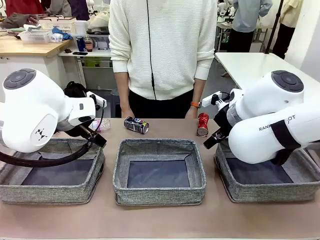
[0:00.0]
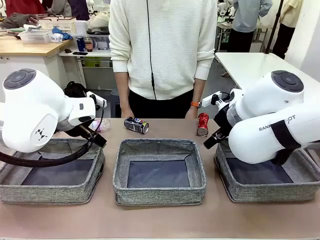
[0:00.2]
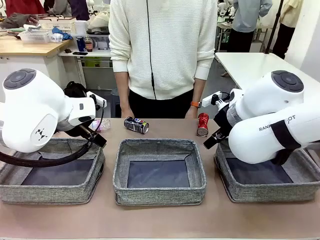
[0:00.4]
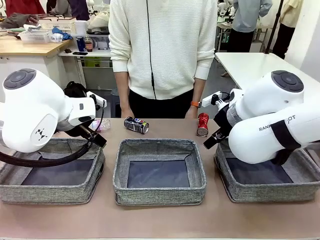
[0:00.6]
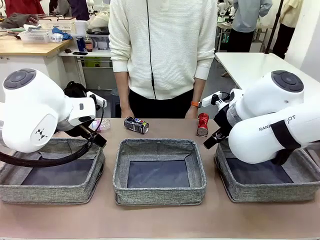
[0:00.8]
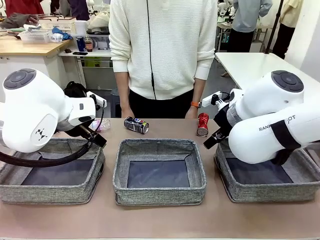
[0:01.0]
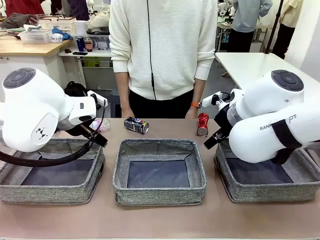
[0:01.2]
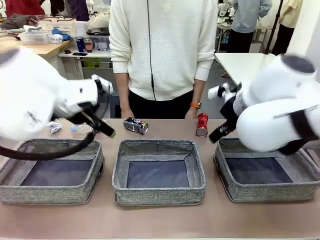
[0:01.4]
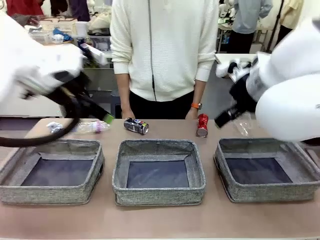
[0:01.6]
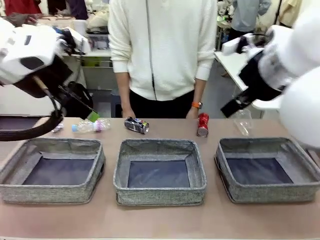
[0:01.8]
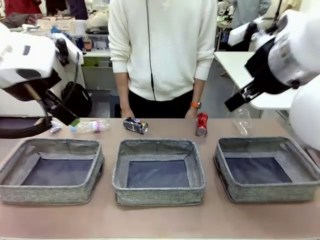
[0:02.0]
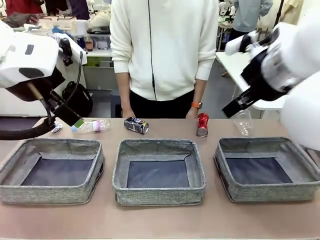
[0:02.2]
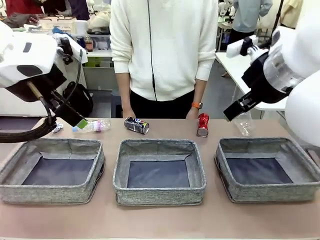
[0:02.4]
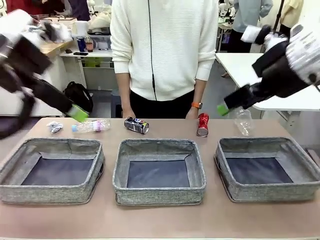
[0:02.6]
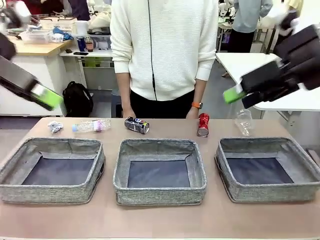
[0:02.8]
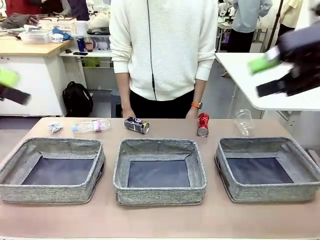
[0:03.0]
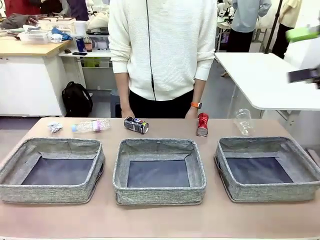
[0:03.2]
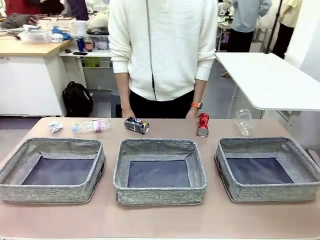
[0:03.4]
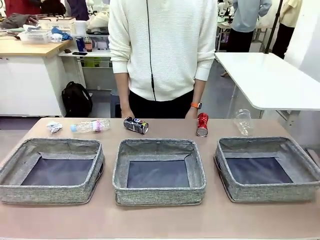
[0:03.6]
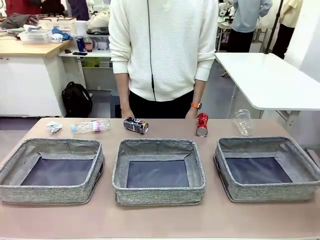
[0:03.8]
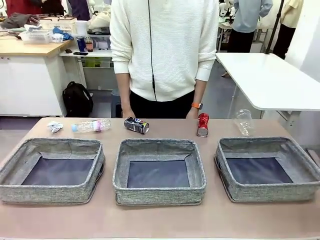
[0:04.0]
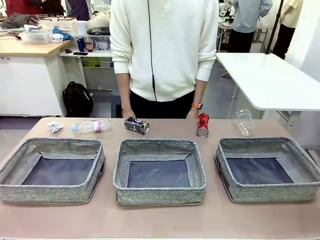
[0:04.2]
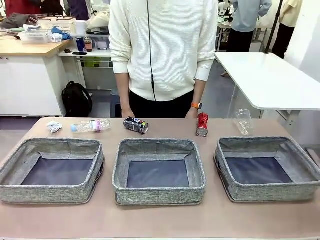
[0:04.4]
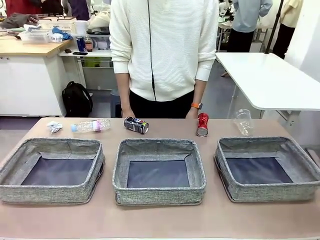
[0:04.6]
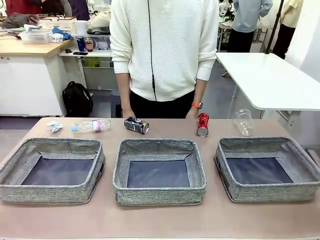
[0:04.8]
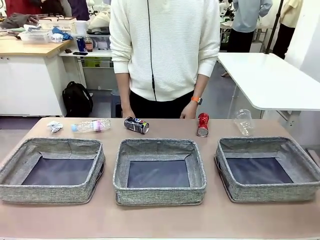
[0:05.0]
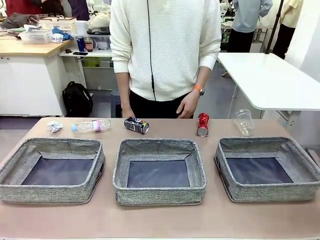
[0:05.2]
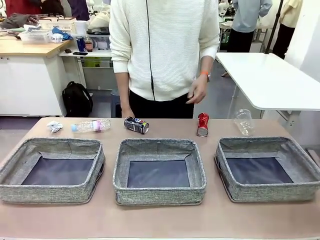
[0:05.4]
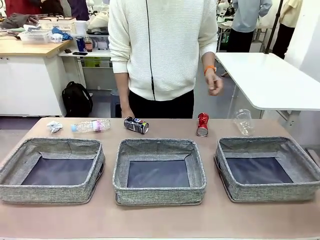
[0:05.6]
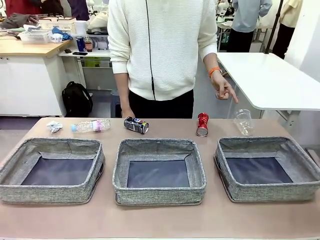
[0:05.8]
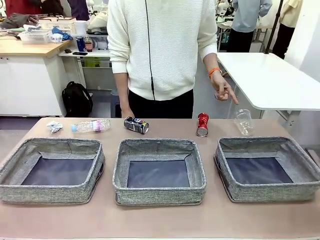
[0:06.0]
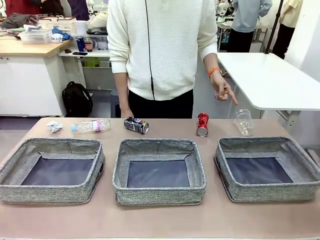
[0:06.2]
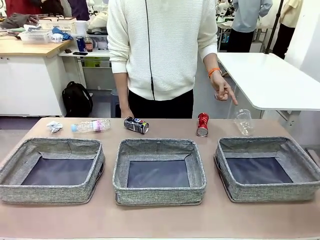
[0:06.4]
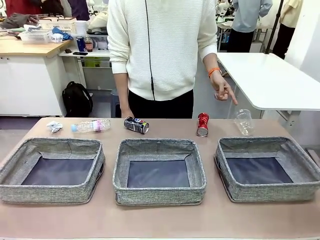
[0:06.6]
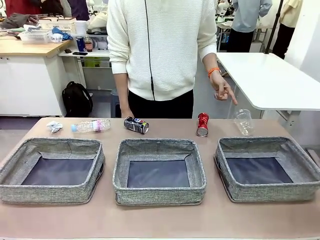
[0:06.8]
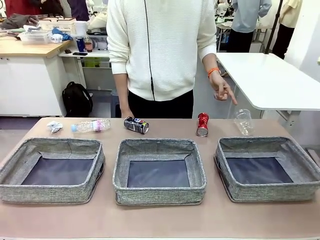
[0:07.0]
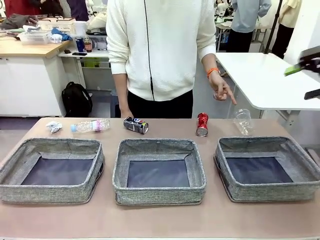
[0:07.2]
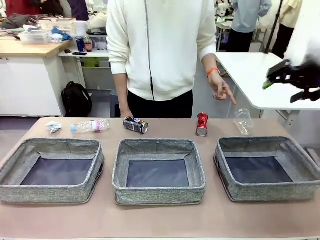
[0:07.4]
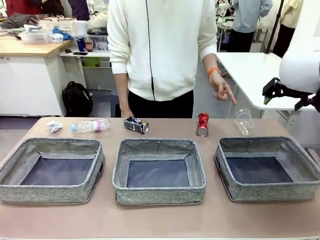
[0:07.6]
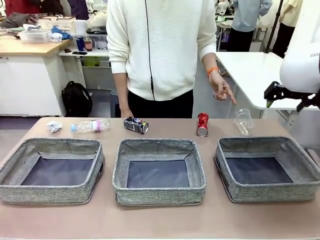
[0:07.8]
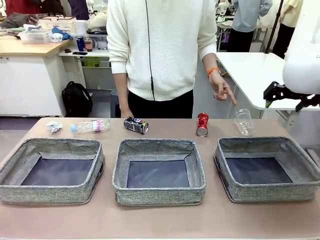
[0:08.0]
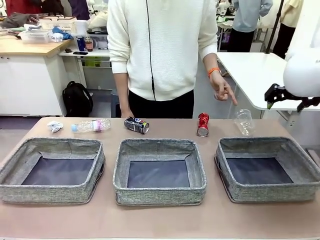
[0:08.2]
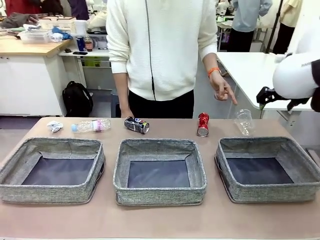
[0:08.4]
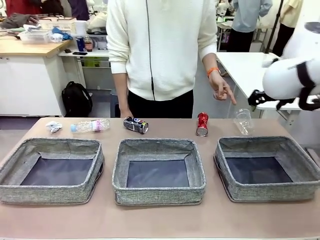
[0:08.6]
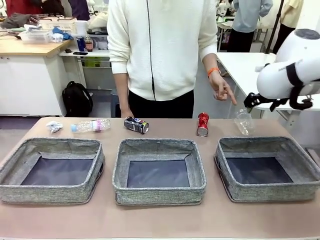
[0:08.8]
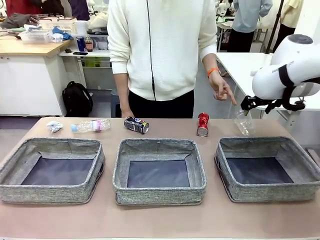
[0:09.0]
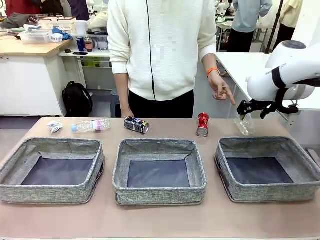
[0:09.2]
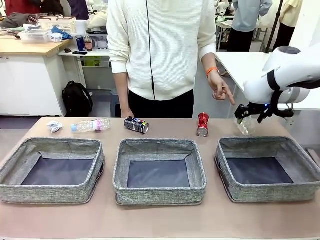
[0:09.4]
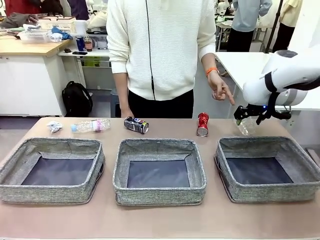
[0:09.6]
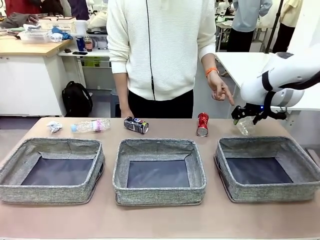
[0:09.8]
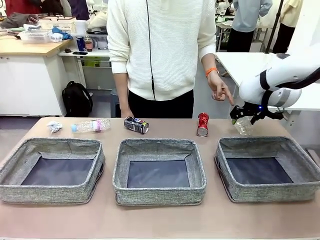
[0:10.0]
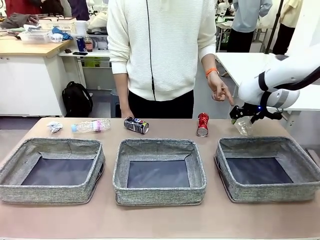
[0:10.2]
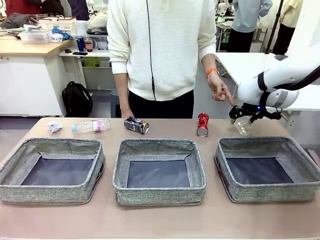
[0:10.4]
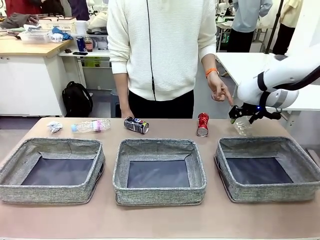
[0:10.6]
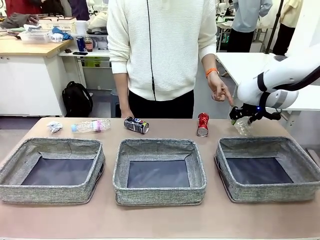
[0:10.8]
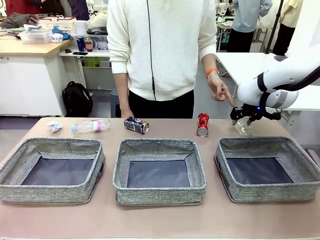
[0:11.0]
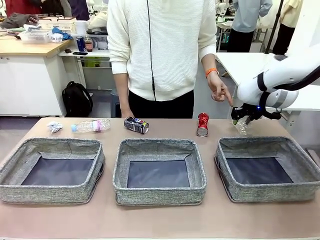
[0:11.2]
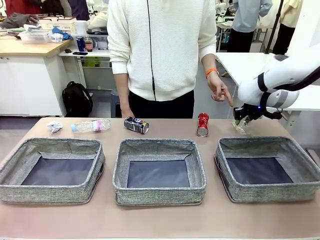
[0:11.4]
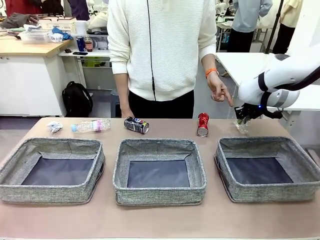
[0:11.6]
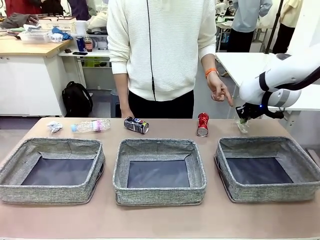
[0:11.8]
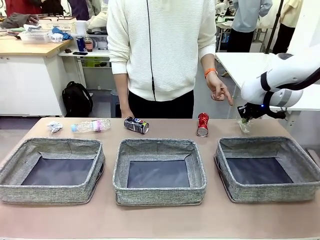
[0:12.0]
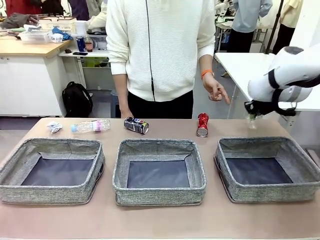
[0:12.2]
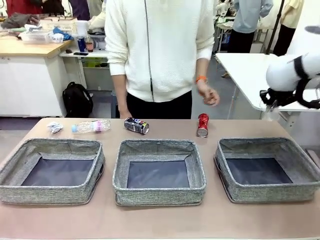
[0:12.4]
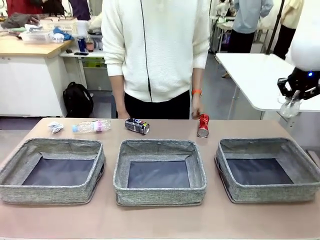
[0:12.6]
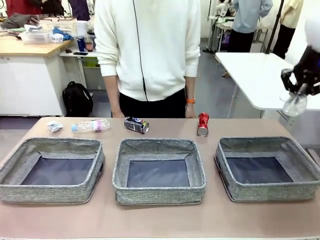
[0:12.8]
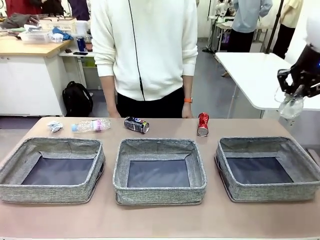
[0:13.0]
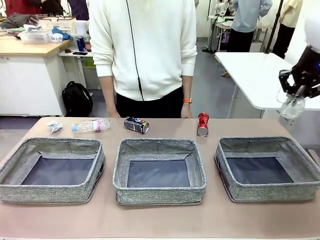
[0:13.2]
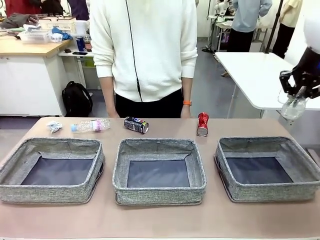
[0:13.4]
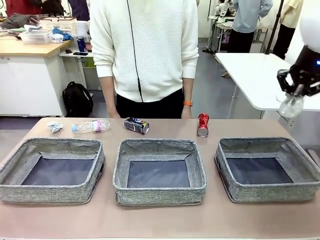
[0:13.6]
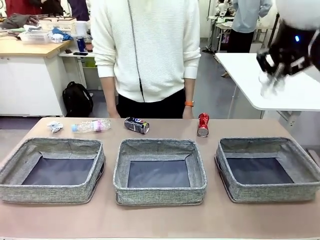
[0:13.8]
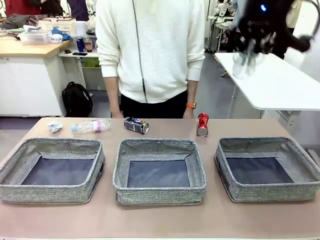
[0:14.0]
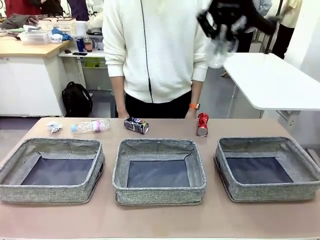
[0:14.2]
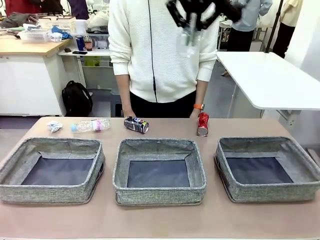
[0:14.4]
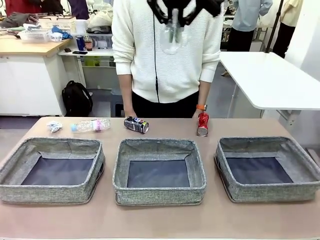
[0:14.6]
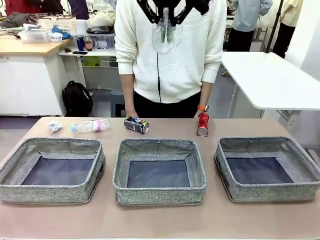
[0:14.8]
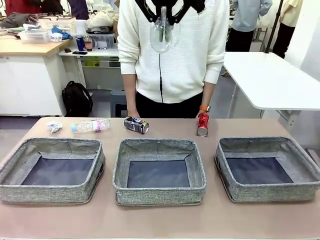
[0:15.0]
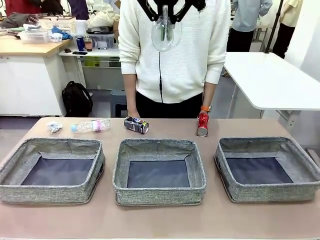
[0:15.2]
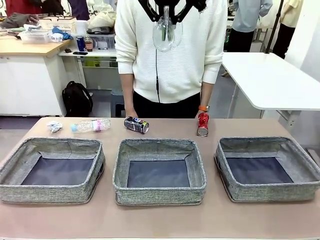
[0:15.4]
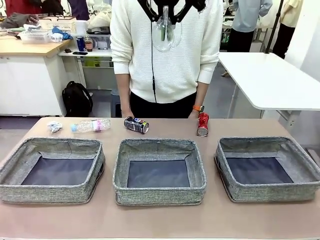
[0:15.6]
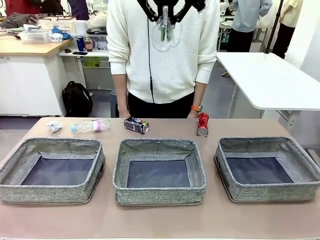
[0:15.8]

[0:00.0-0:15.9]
Task: Sort the waste into the appropriate baskets.
Robot: Pick up the waste item pointed out by the person.
Person: Points to one piece of trash on the table.

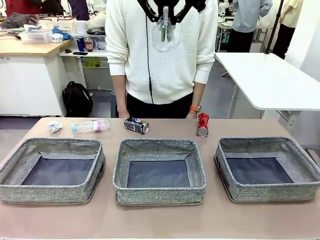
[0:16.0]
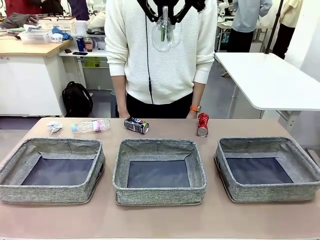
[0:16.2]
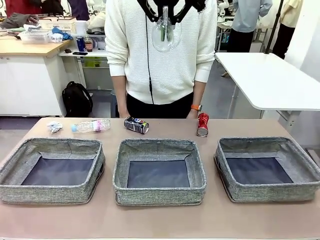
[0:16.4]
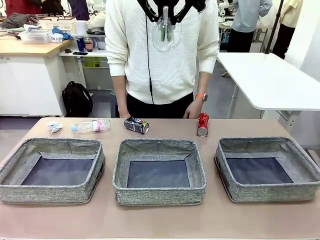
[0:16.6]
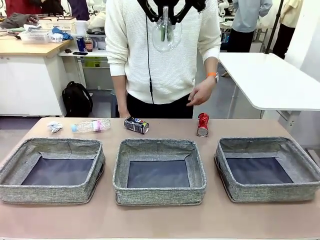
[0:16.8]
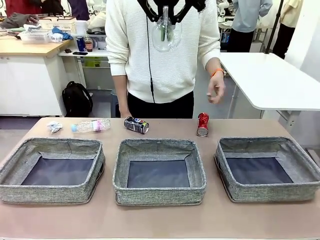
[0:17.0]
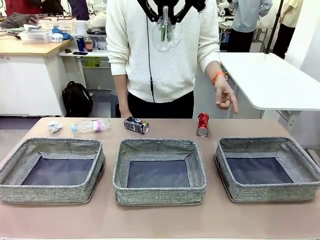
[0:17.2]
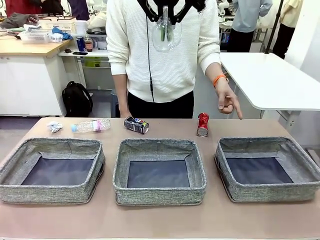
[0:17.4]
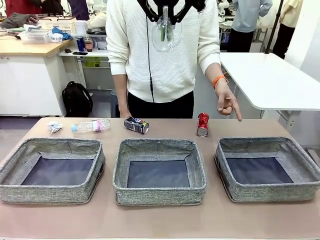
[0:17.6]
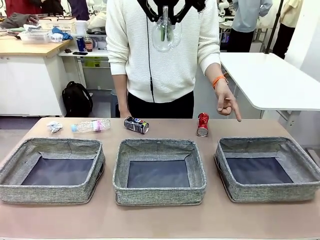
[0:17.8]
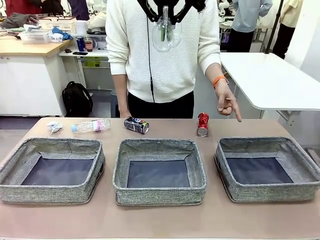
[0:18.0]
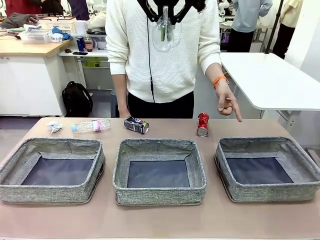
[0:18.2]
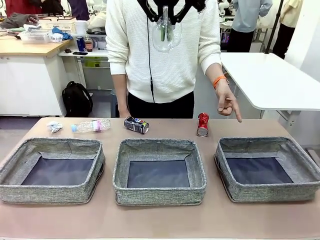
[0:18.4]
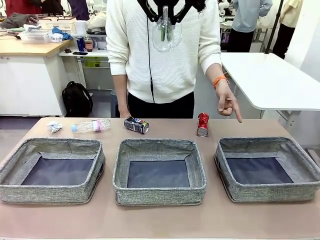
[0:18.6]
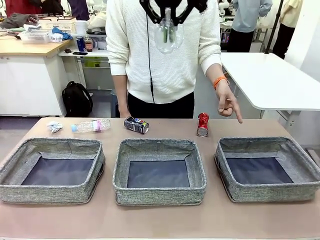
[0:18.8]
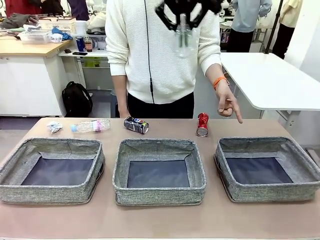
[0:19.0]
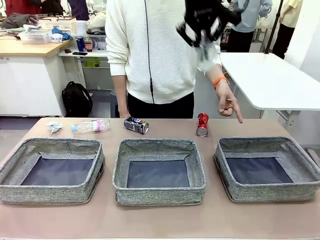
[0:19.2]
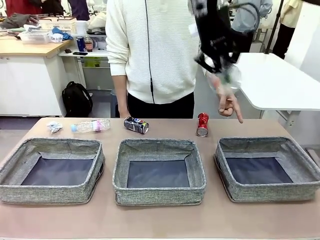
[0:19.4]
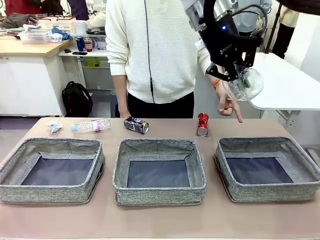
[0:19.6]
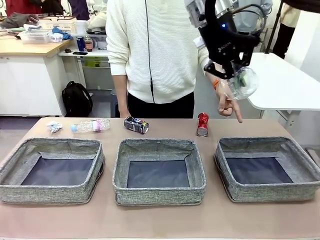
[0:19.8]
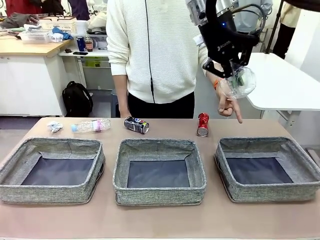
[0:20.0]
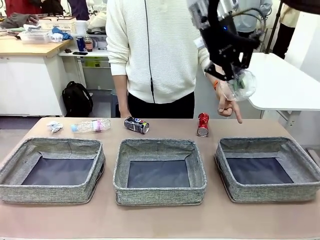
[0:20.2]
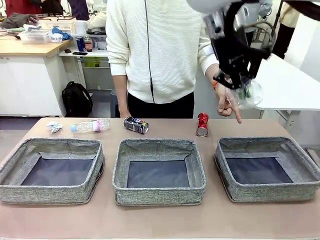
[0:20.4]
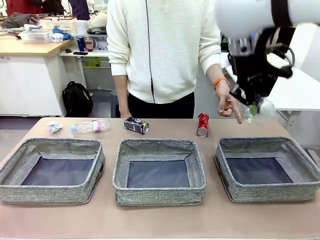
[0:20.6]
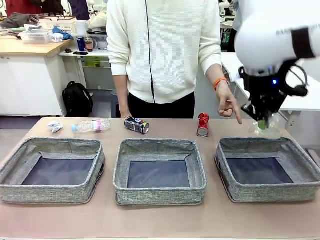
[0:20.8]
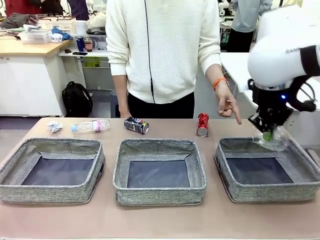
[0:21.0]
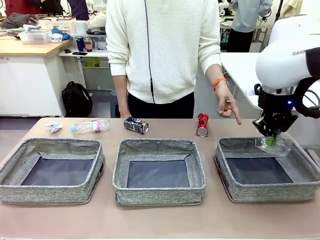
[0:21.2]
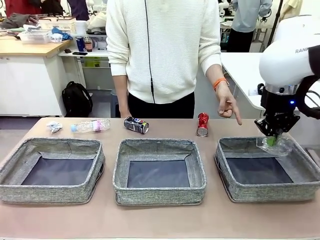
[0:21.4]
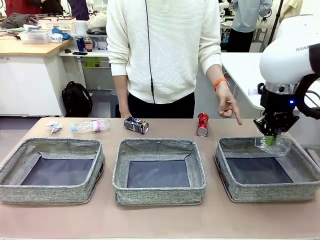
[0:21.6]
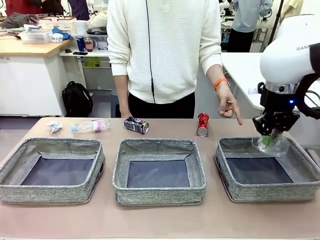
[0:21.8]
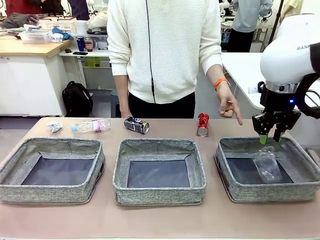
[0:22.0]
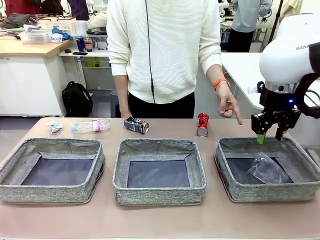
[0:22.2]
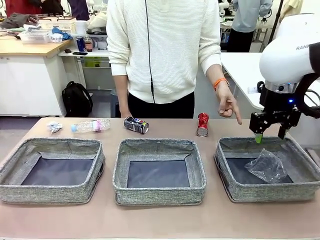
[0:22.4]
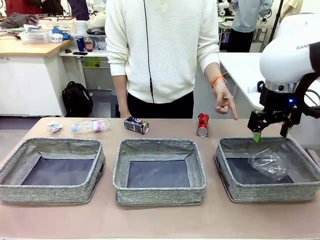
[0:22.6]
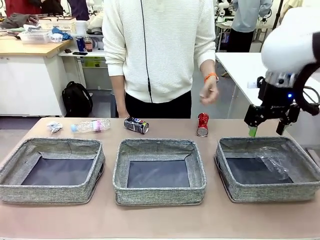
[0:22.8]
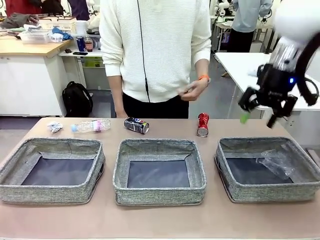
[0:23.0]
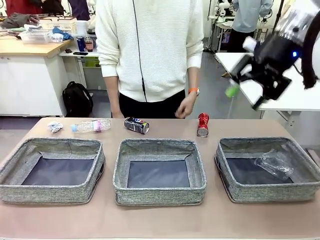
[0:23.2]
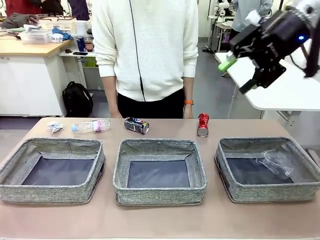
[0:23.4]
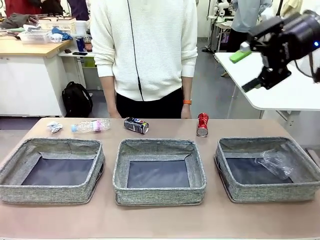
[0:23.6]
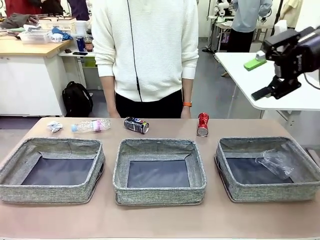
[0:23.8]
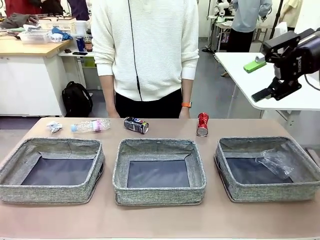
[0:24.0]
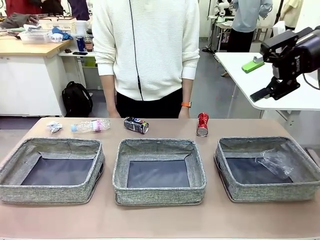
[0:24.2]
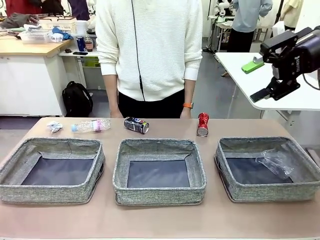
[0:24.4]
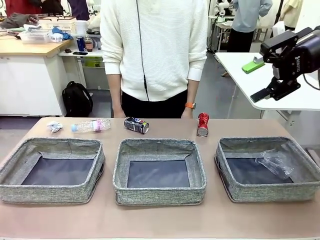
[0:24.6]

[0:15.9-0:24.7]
Robot: Place the picked waste into the Fabric basket indicated by the person.
Person: Instructs the robot to place the picked-up trash into the appropriate organizing basket.
